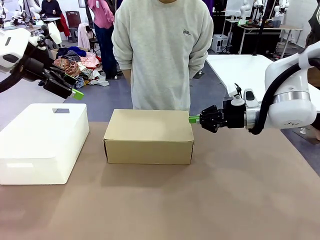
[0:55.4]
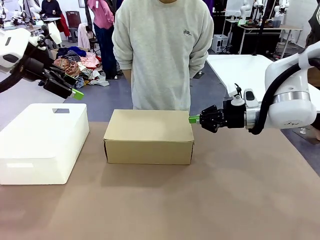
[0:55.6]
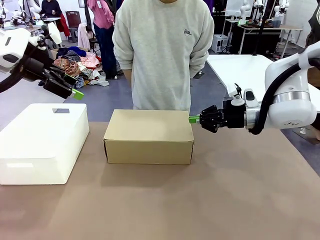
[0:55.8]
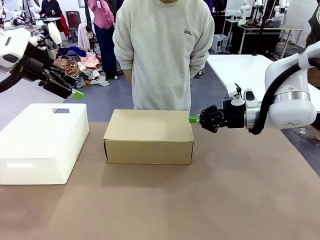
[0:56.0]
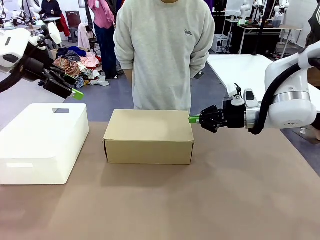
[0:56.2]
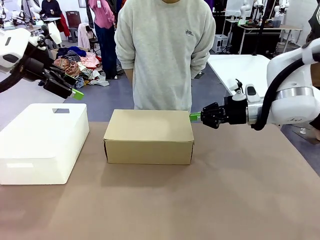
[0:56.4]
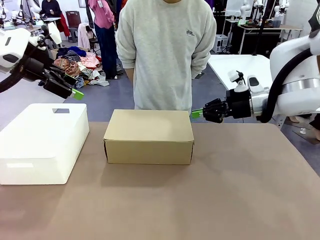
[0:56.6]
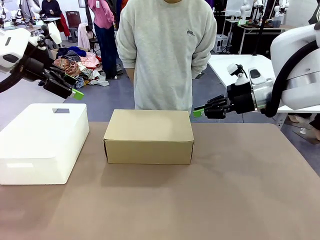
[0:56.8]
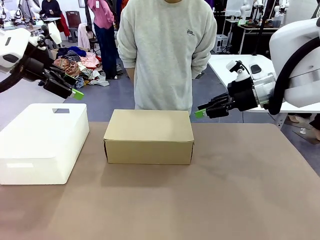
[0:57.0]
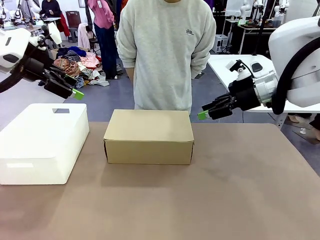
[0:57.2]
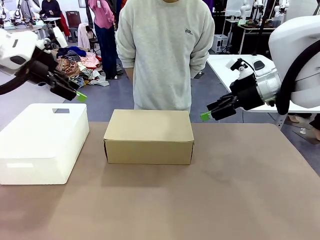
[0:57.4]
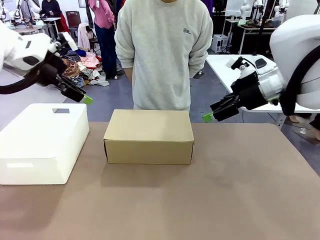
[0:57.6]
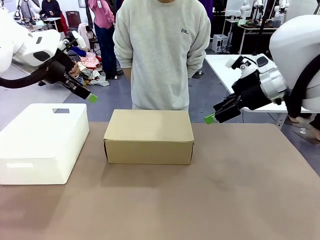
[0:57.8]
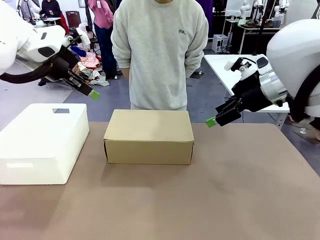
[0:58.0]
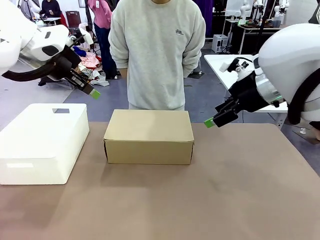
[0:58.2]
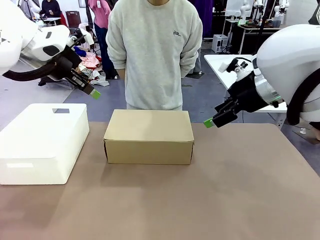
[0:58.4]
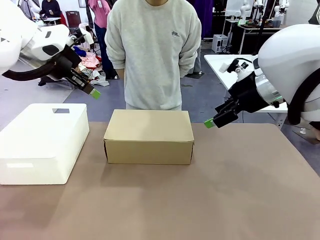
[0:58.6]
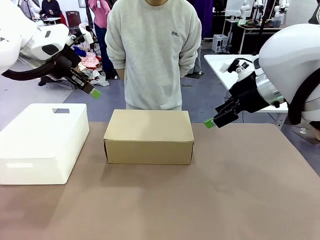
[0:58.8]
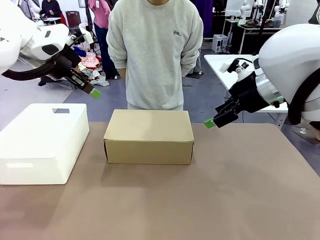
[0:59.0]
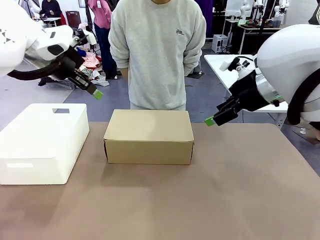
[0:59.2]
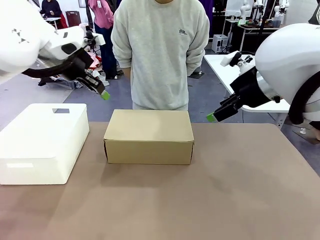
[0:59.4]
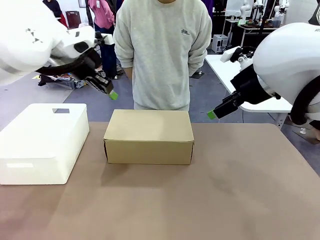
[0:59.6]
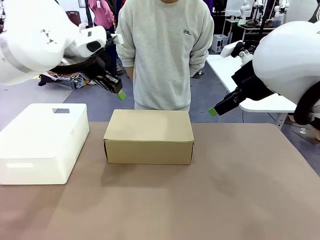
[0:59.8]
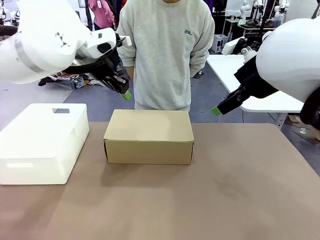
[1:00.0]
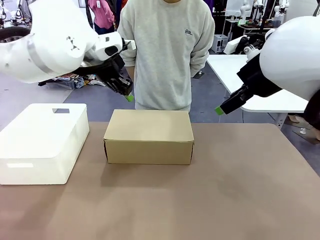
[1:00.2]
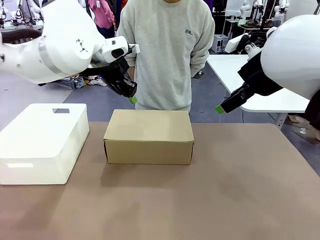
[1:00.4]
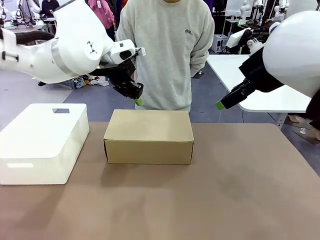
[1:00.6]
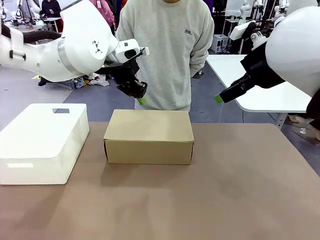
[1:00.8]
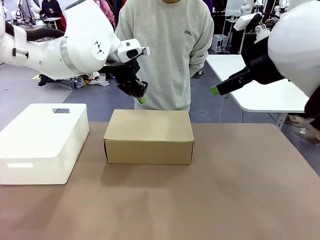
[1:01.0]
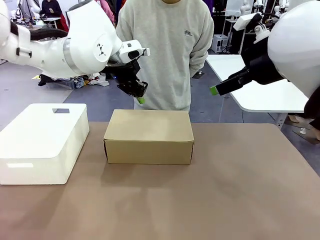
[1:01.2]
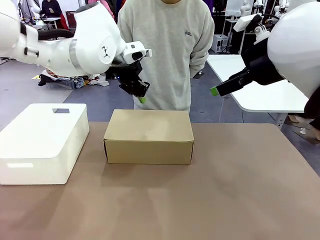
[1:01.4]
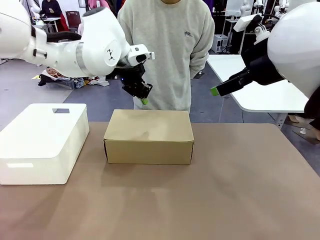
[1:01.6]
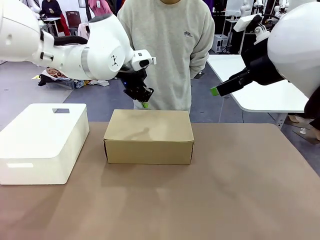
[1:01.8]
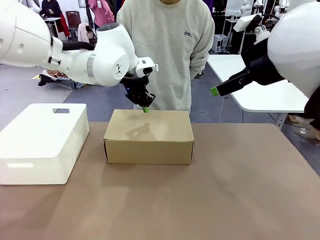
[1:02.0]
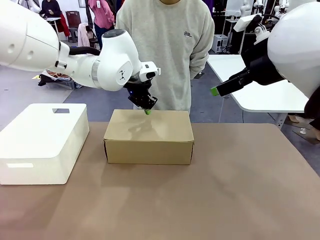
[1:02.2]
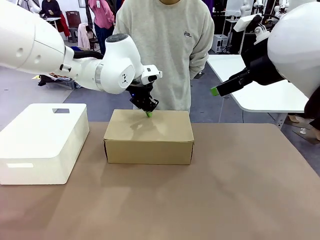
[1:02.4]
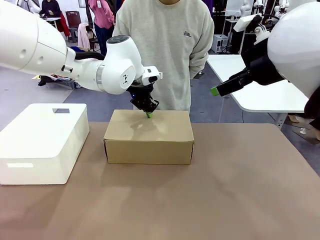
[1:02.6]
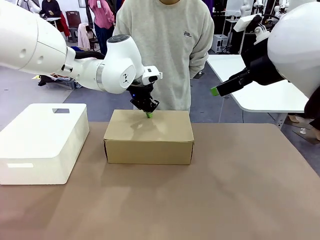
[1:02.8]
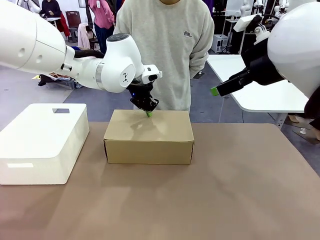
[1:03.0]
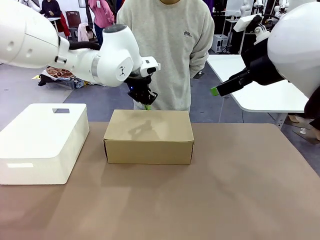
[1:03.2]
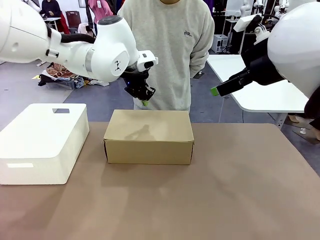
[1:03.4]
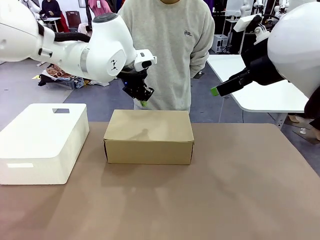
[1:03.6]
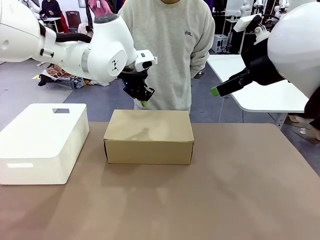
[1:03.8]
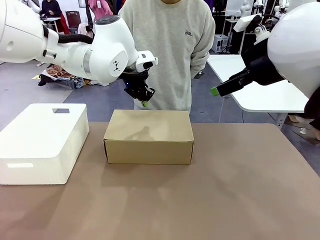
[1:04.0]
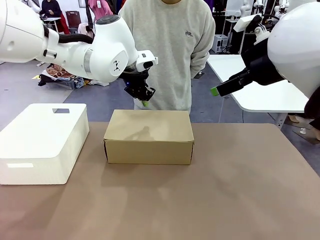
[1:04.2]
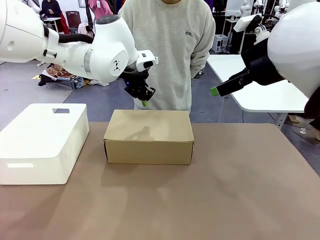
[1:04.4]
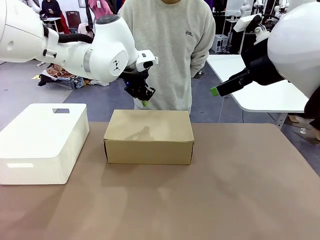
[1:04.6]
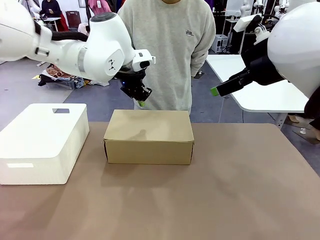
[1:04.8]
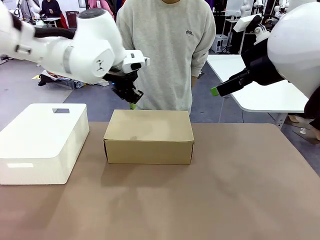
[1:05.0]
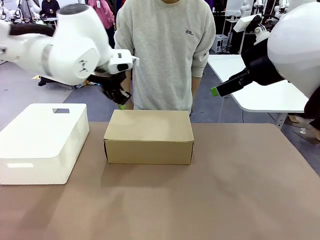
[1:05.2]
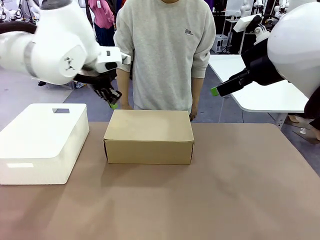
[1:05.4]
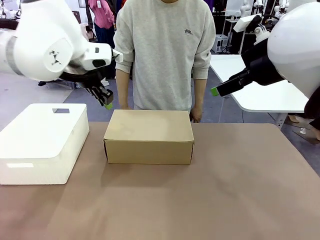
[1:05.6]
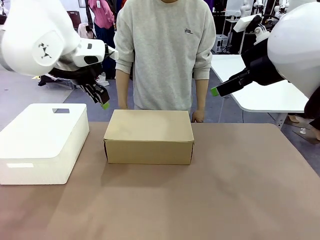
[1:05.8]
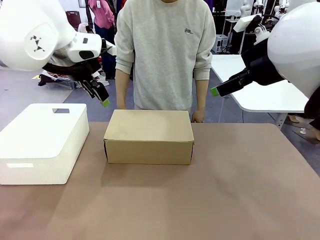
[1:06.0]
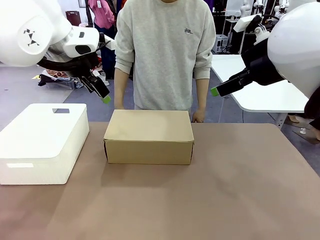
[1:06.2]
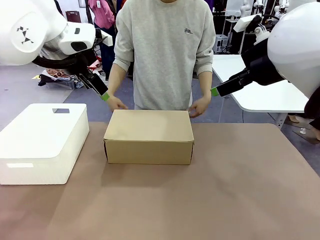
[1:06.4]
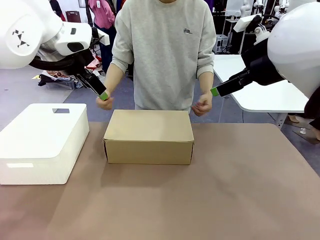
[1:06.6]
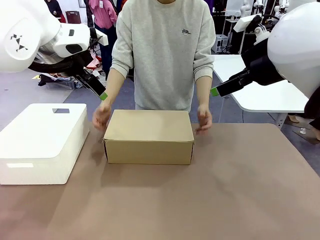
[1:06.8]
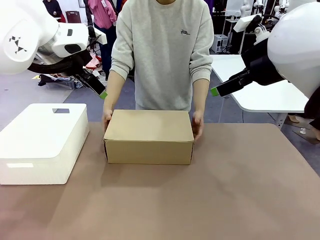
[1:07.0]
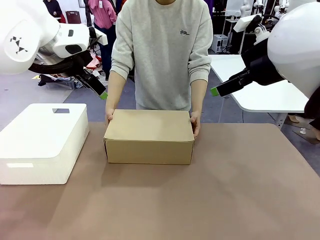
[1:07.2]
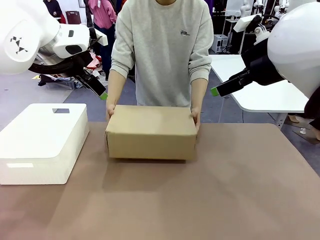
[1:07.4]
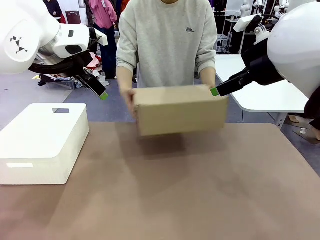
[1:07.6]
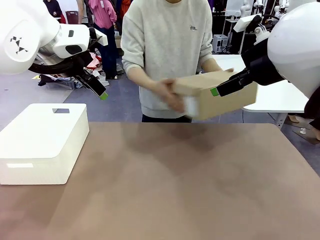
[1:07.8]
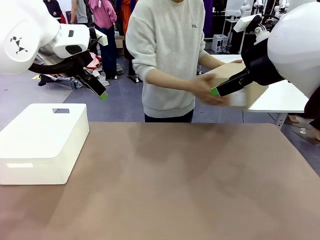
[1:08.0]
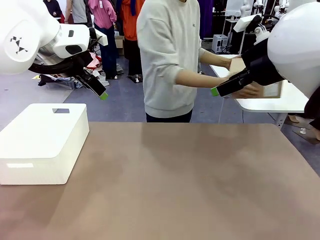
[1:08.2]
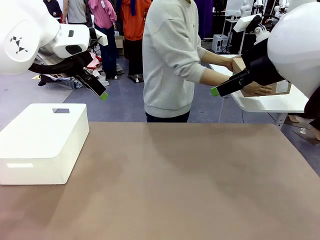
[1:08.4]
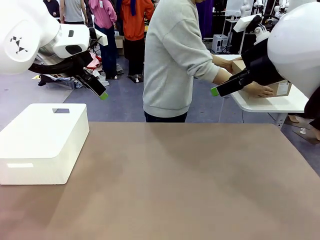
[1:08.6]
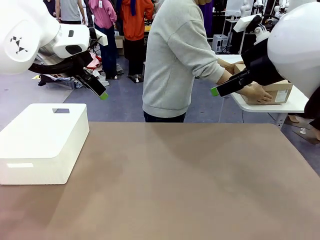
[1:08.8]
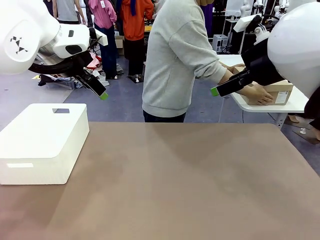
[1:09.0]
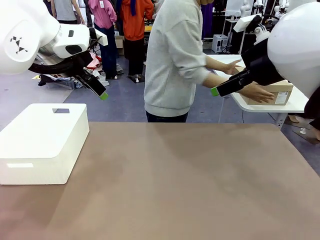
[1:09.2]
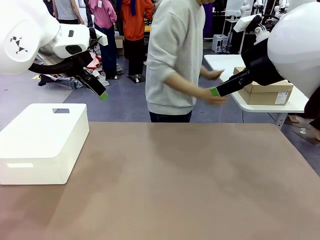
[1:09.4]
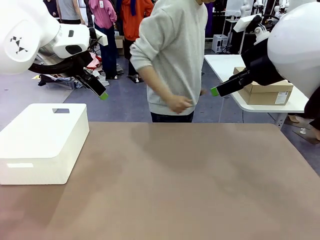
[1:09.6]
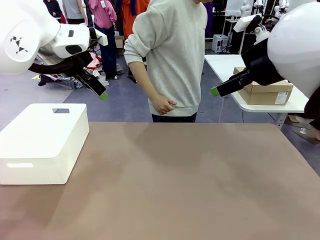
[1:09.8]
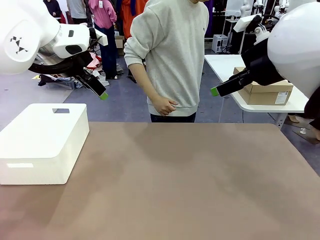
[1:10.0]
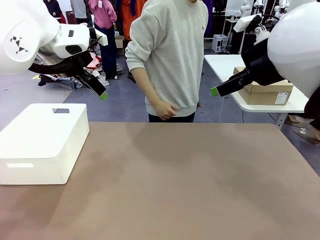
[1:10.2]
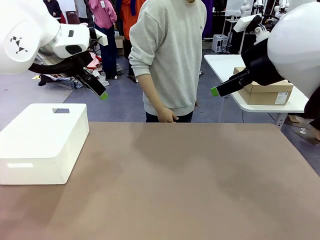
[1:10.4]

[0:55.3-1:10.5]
Task: Pack the shoes into the box.
Robot: Press down on the lid of the Shoes Box.
Person: Place the closed Shoes Box to the right side of the human table.
